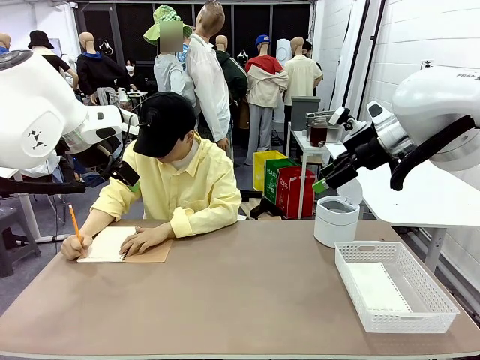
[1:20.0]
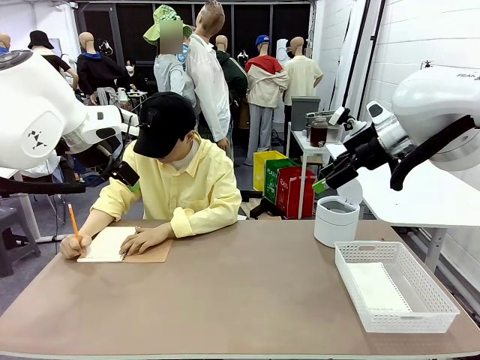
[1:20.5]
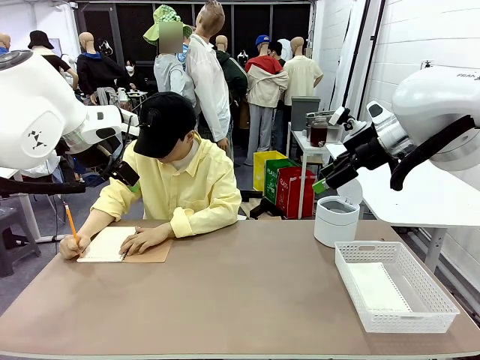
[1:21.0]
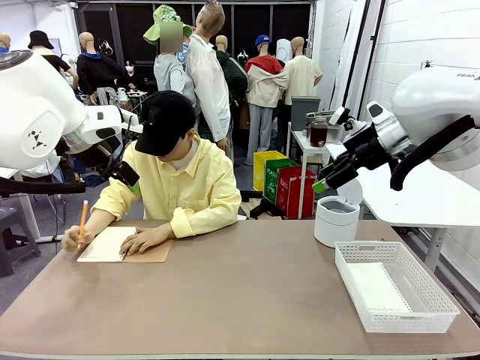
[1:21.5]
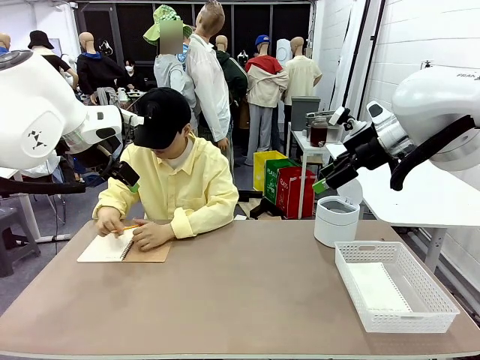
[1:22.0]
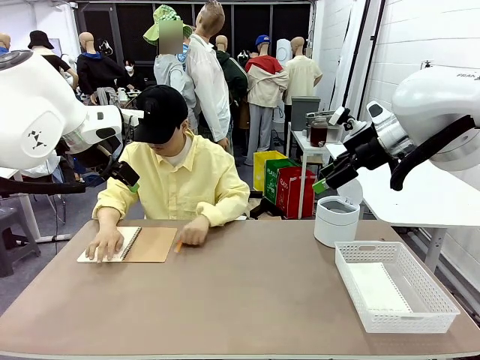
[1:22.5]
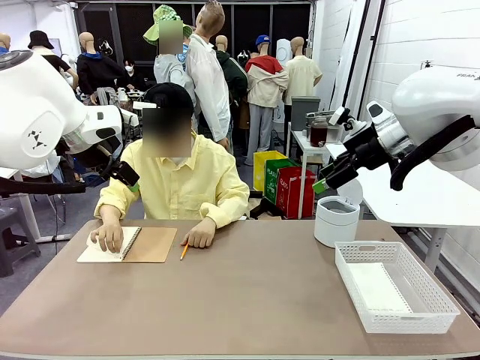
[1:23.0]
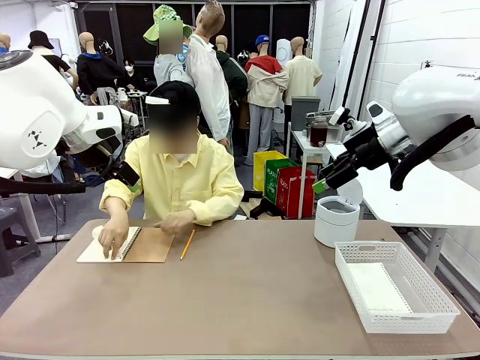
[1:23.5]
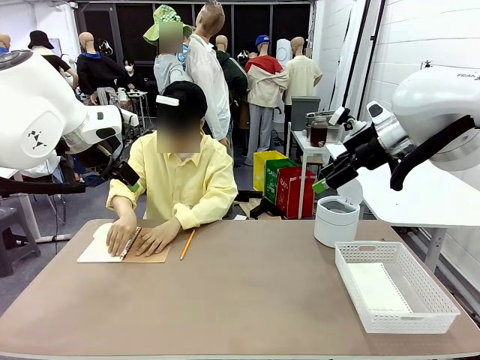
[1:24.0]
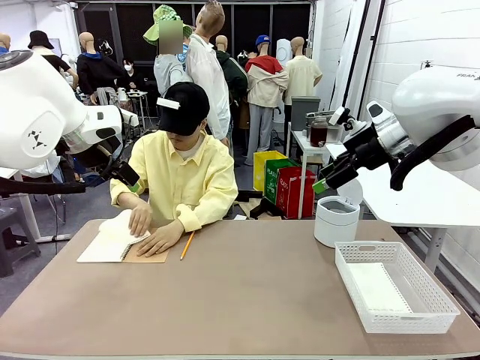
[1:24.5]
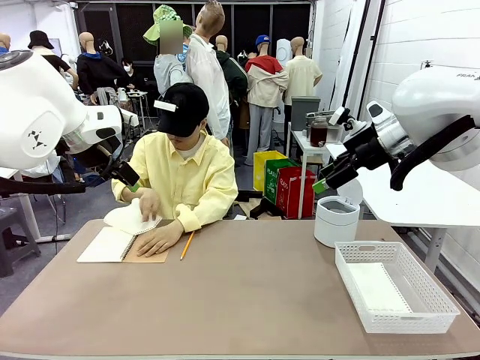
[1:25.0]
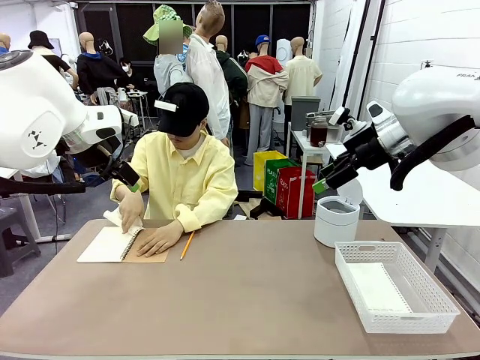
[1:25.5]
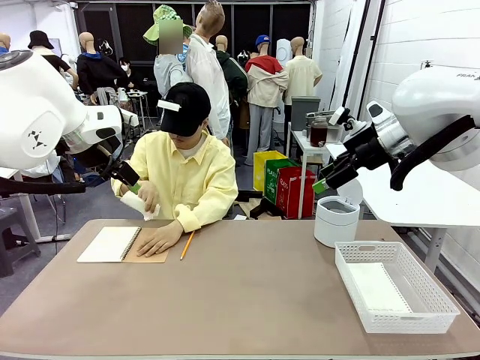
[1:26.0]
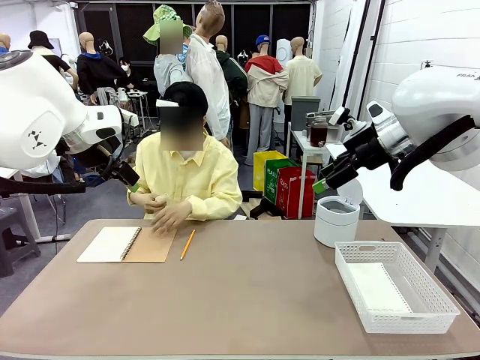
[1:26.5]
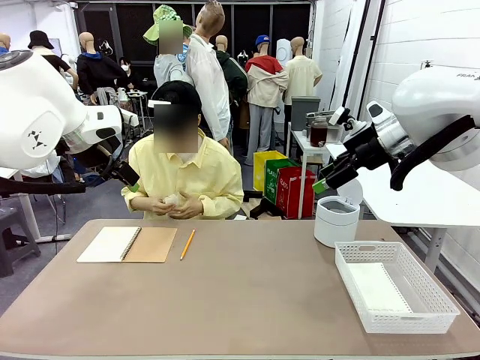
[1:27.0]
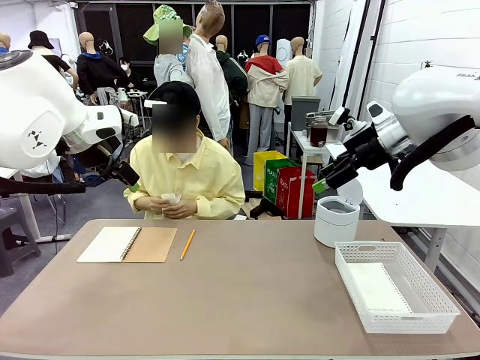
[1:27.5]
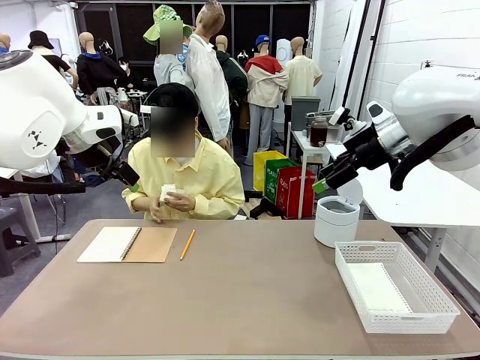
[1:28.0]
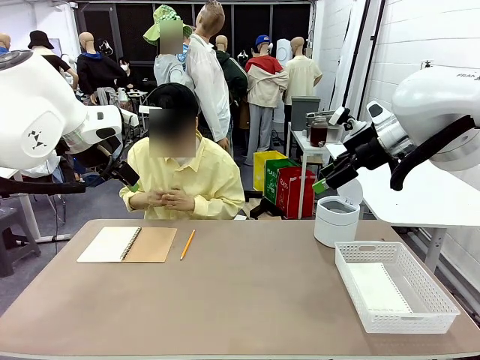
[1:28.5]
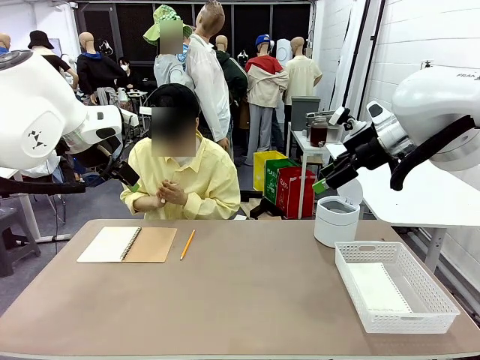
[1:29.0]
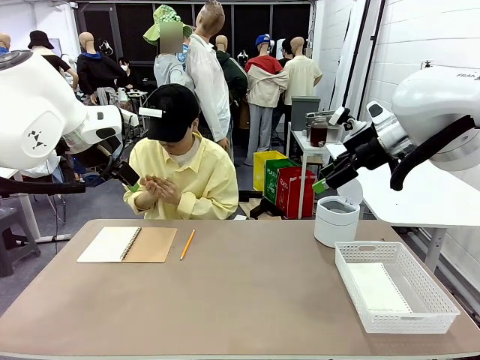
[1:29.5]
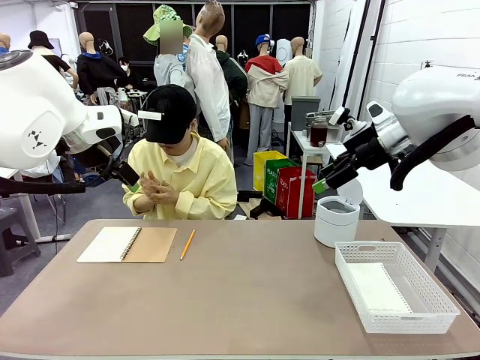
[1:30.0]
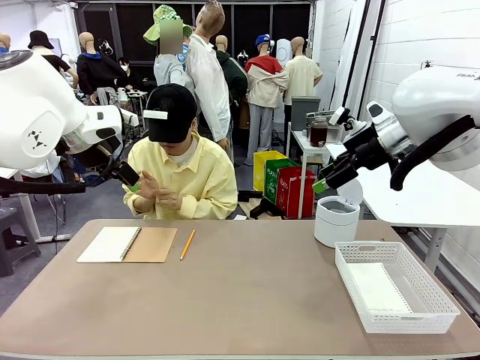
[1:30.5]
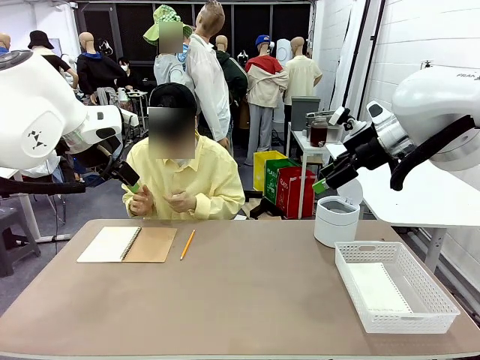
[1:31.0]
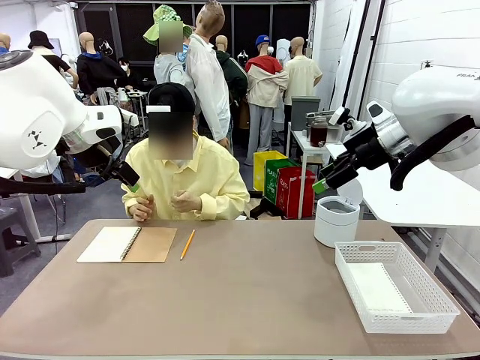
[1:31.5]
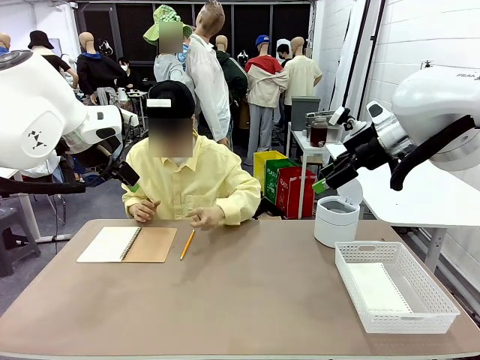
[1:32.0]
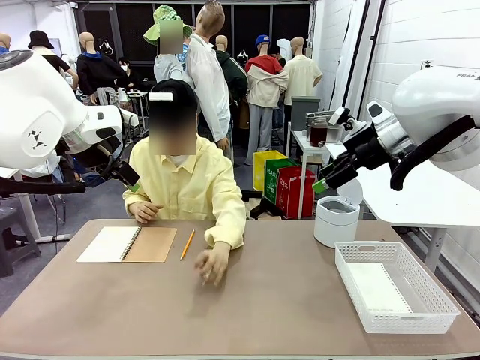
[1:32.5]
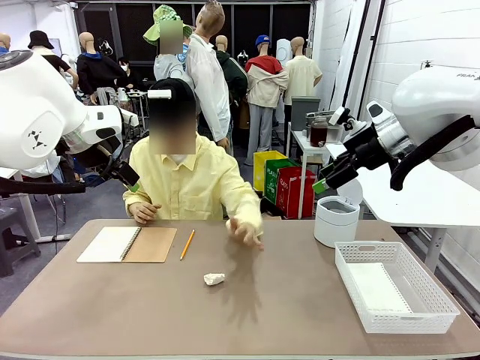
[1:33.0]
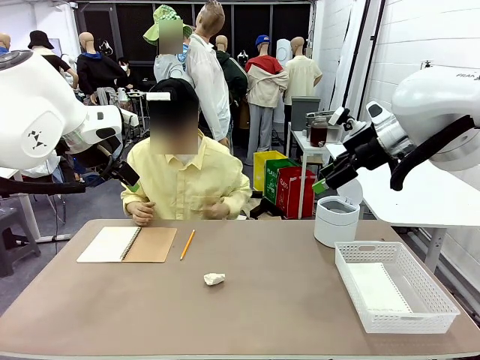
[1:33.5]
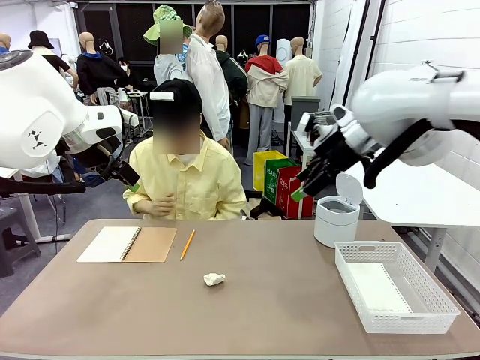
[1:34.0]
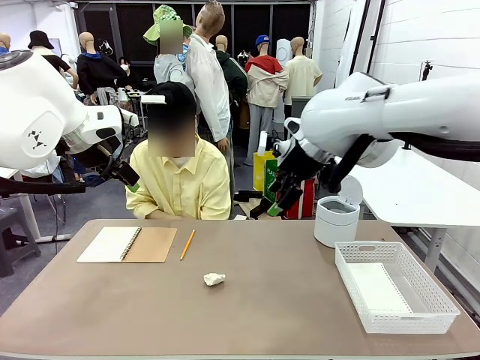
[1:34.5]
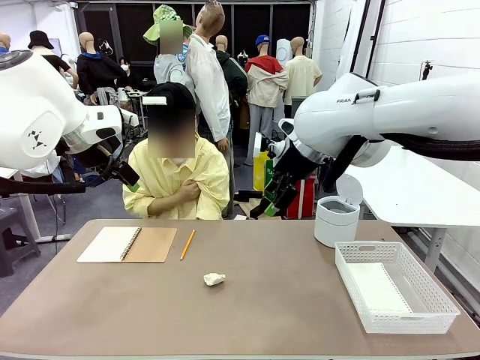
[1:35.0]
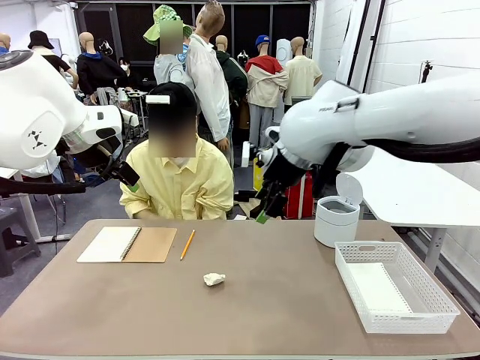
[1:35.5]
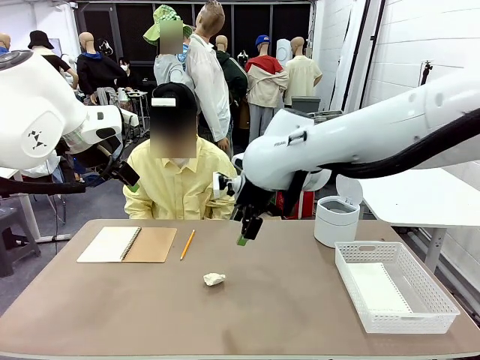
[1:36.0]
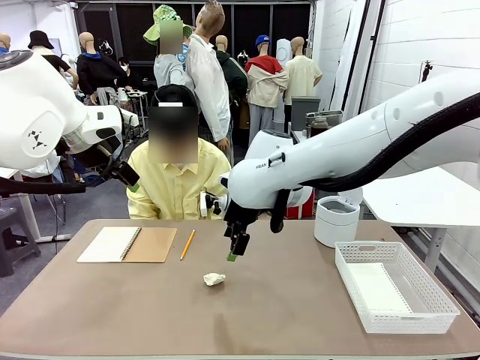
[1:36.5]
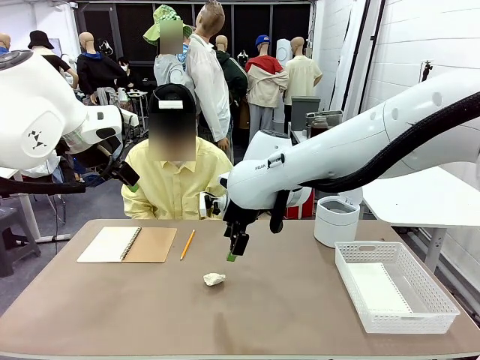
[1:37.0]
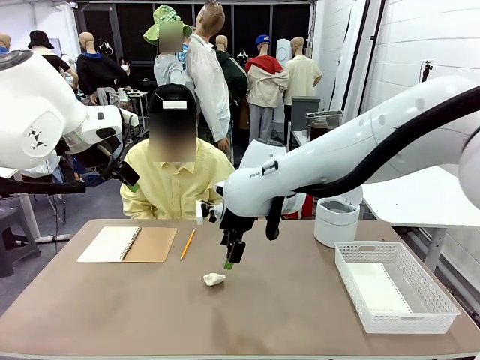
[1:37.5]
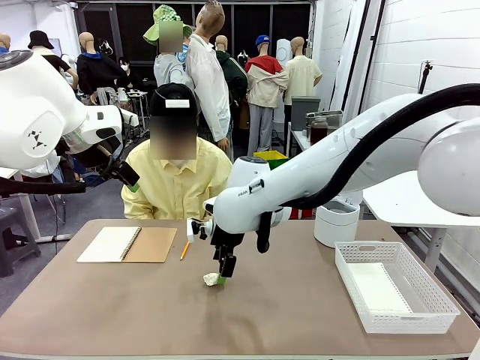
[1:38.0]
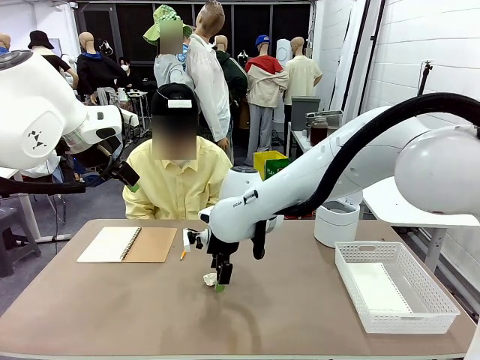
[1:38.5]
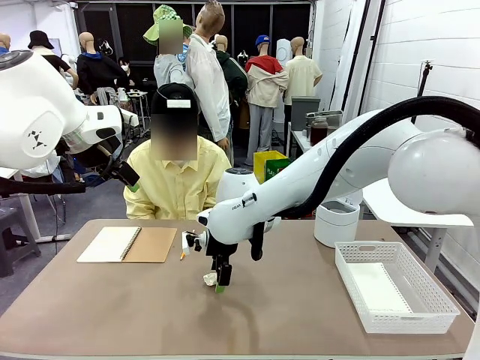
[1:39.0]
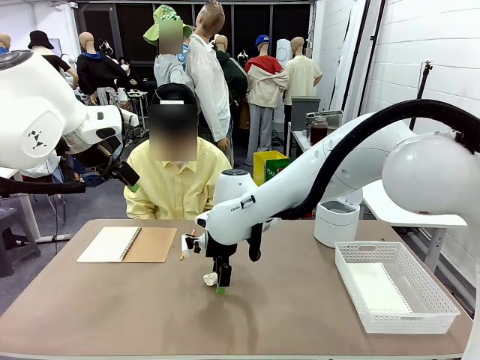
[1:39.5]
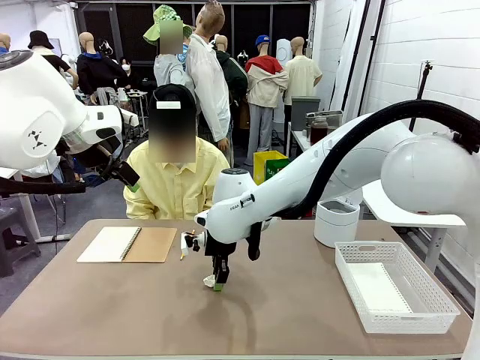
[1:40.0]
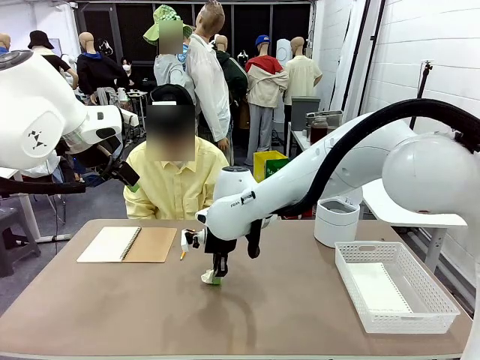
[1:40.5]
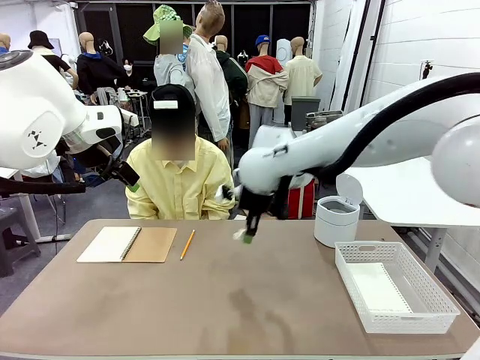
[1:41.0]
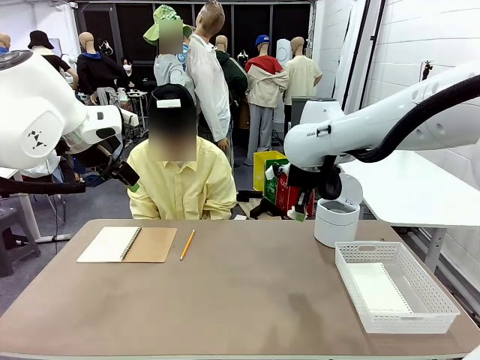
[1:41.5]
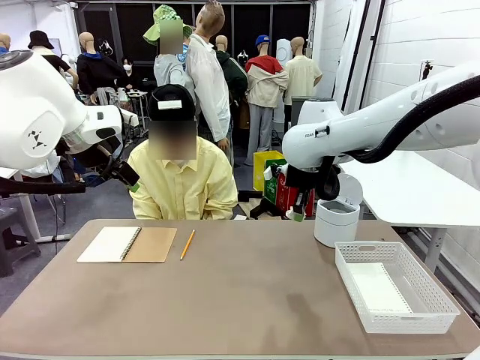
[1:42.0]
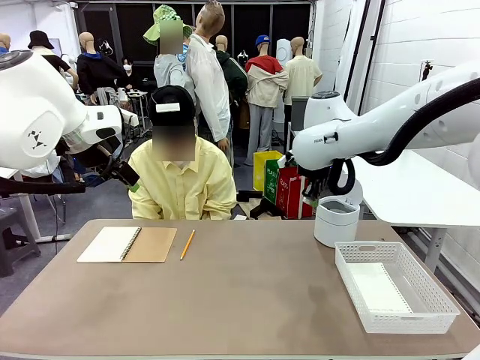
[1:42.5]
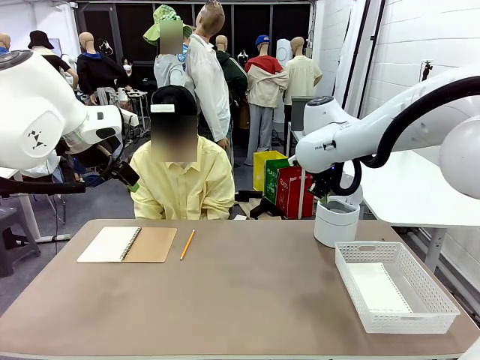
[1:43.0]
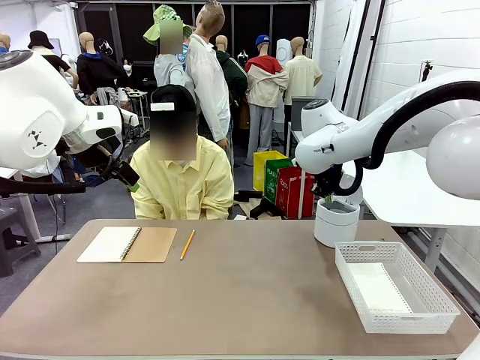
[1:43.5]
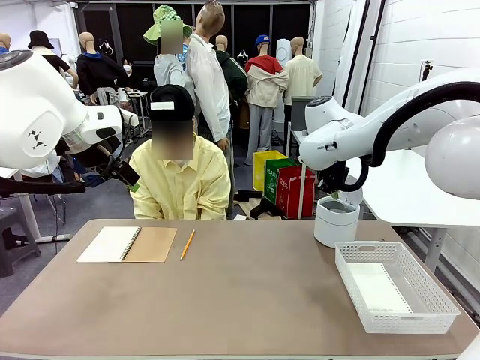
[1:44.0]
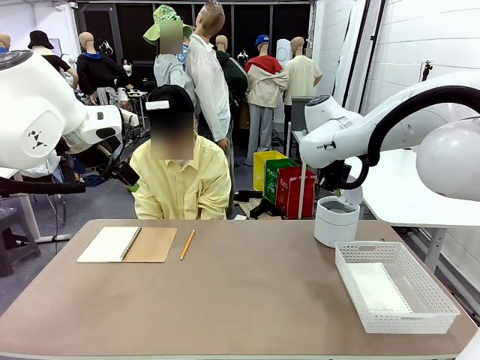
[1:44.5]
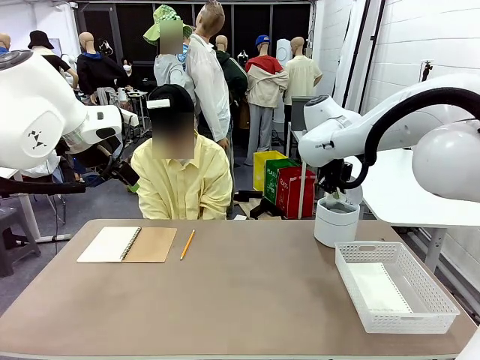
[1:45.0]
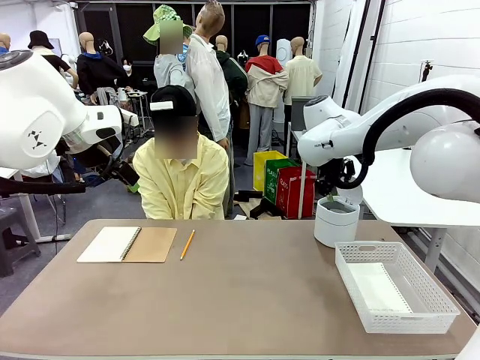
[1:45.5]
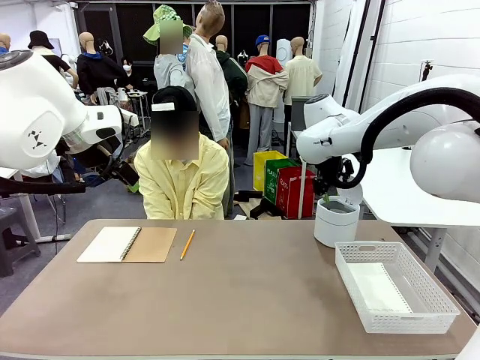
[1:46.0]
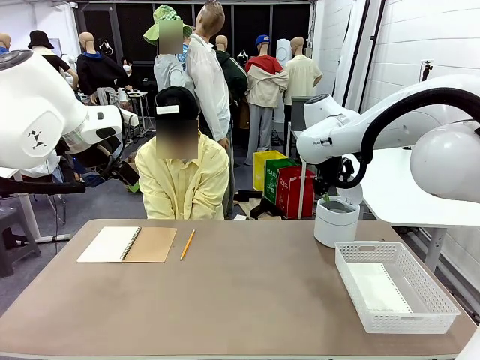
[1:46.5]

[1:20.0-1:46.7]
Task: Sort the paper based on its condition.
Robot: If a person hands you a paper, place it in the Organizing basket , and if it's crumpled, put it in the Trash can.
Person: Hand the torn page to the robot or crumple it and throw it to the center of the table.
